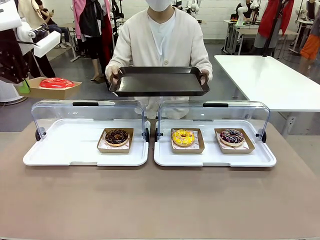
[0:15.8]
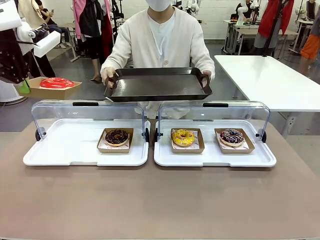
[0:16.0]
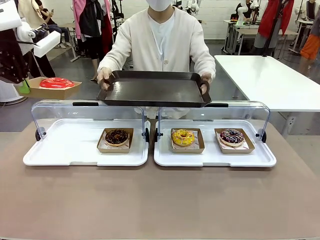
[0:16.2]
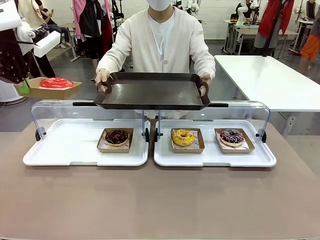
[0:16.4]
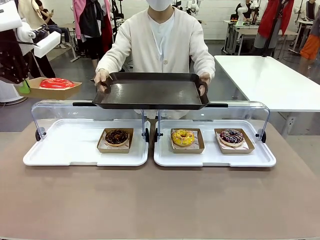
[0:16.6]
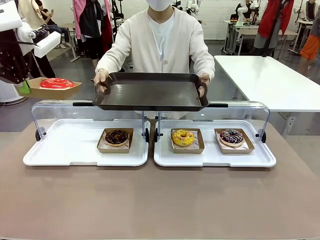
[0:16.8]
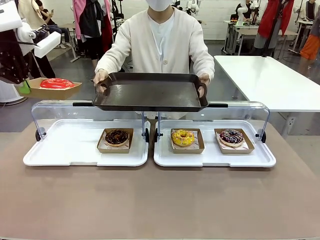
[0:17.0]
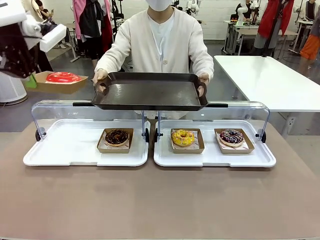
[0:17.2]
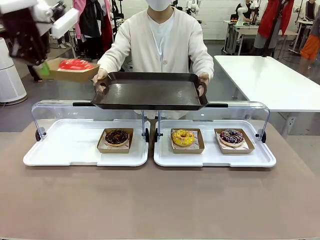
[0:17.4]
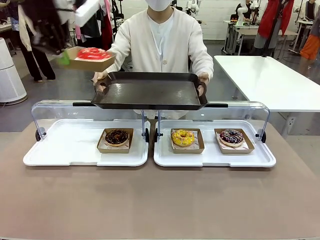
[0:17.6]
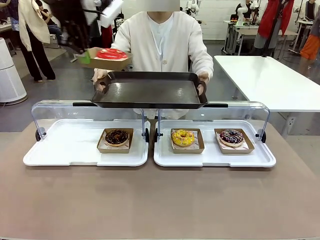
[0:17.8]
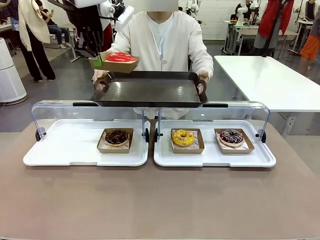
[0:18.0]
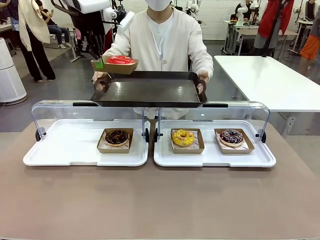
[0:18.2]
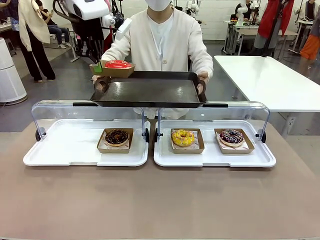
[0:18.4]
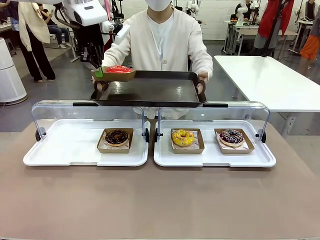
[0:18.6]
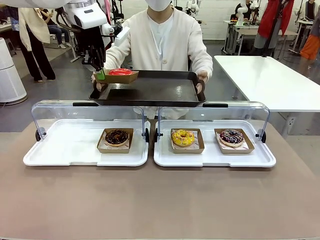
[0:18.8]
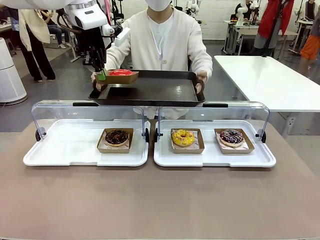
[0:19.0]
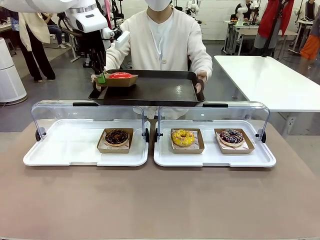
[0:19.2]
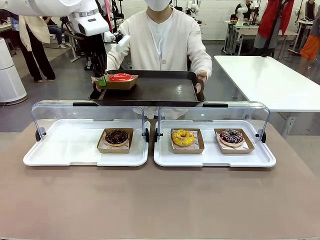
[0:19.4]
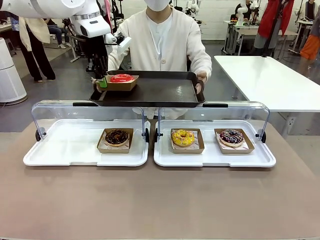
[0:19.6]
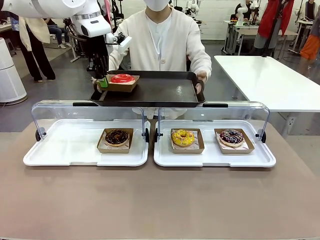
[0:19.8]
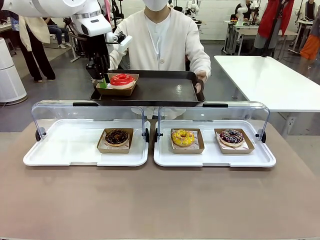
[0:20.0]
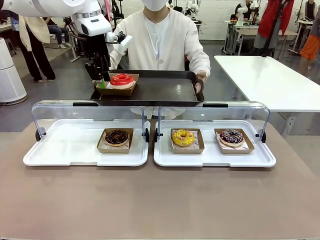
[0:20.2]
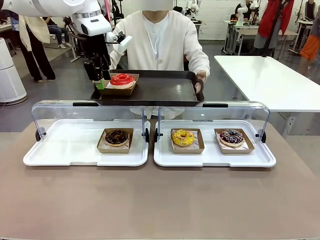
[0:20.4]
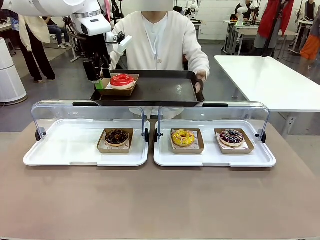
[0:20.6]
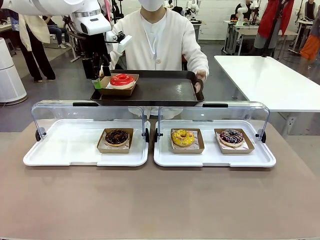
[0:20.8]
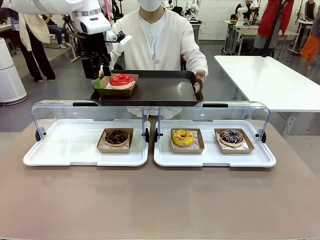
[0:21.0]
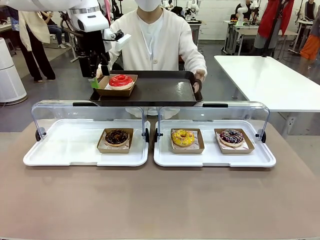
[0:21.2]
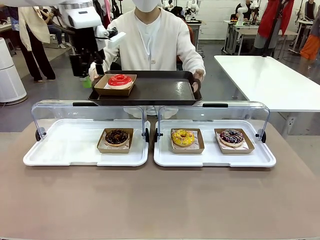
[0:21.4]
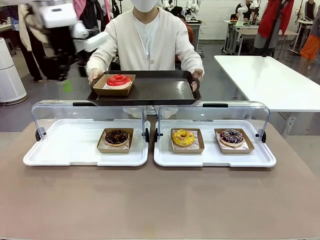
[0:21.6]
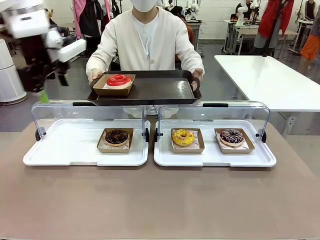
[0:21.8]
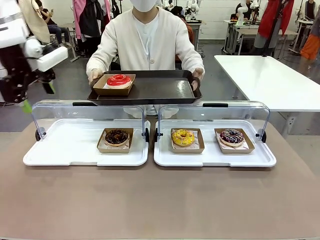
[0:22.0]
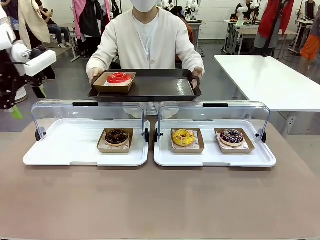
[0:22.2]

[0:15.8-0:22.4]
Task: Provide the desired donut to the person.
Robot: Place the picked Paper togo box onto the Handle tray extended by the person.

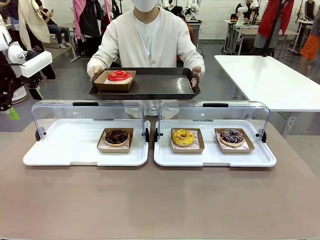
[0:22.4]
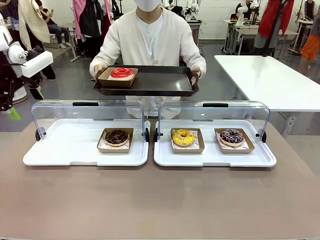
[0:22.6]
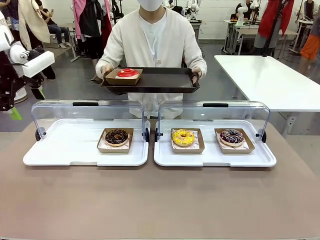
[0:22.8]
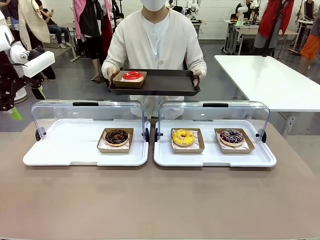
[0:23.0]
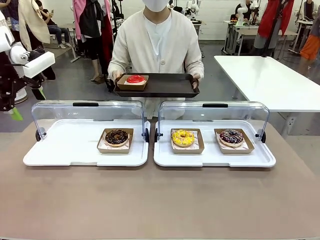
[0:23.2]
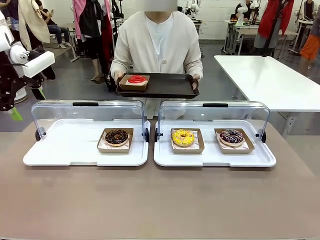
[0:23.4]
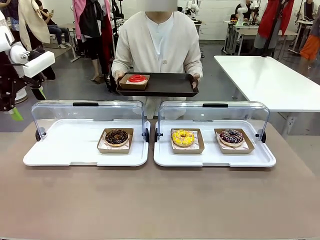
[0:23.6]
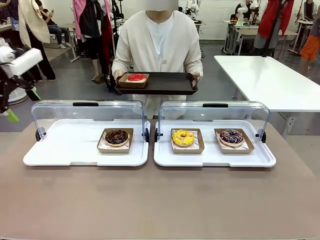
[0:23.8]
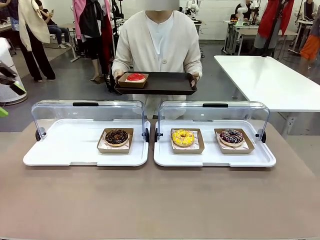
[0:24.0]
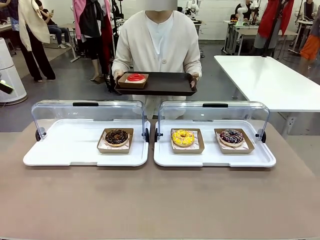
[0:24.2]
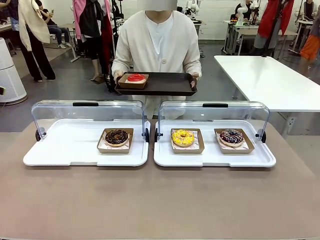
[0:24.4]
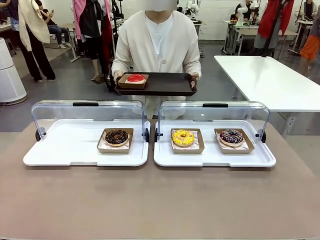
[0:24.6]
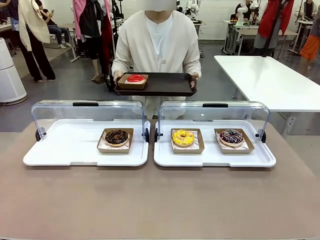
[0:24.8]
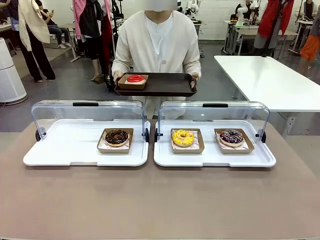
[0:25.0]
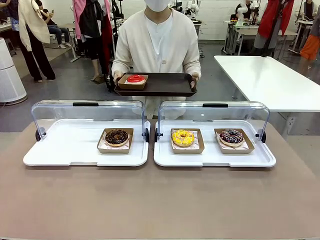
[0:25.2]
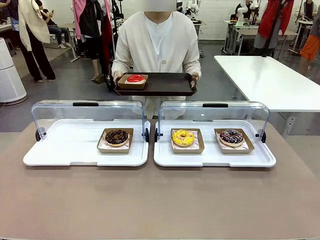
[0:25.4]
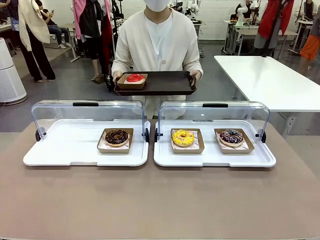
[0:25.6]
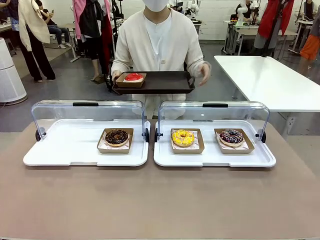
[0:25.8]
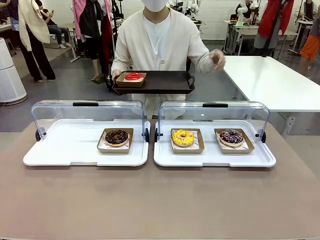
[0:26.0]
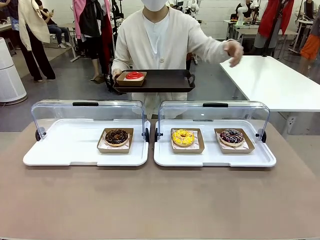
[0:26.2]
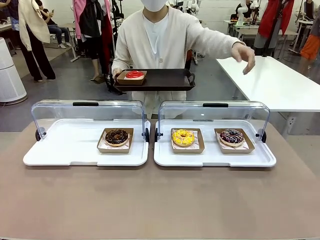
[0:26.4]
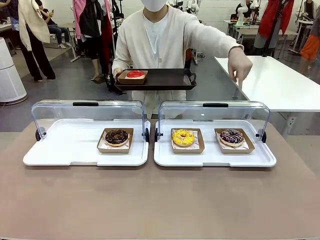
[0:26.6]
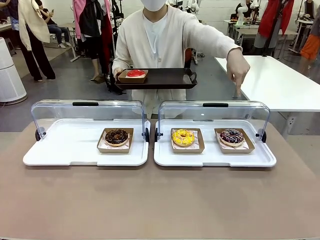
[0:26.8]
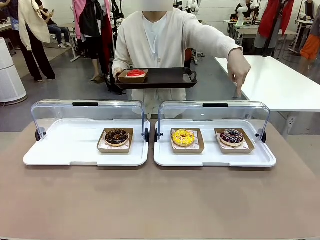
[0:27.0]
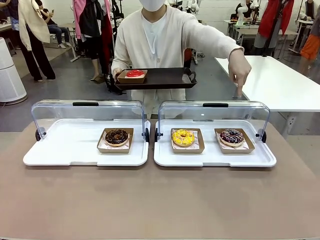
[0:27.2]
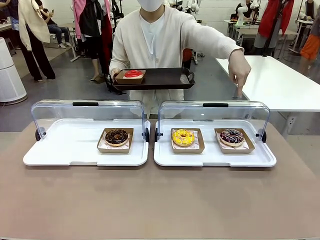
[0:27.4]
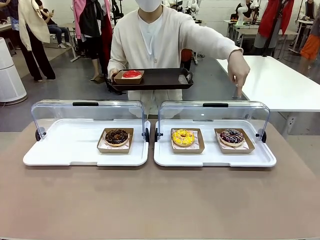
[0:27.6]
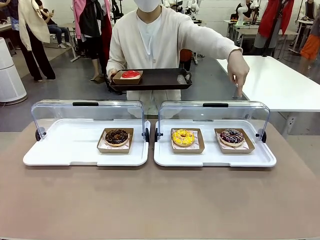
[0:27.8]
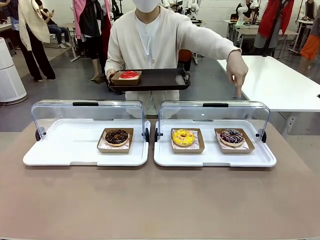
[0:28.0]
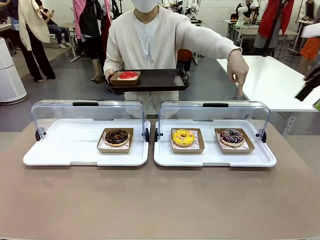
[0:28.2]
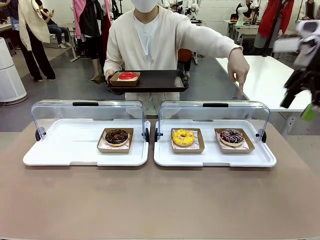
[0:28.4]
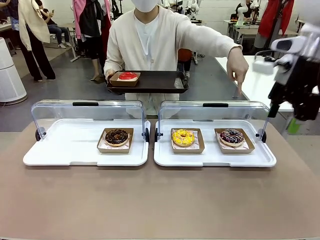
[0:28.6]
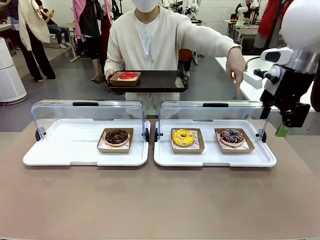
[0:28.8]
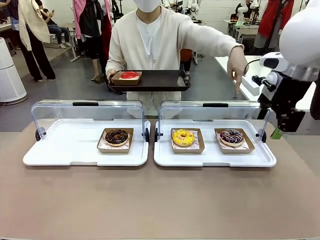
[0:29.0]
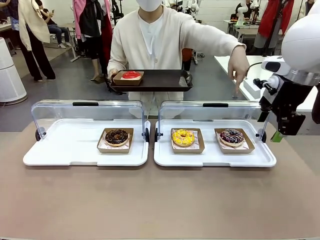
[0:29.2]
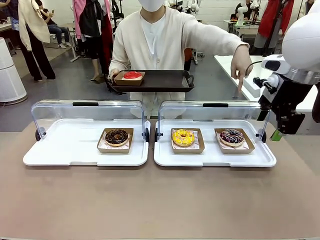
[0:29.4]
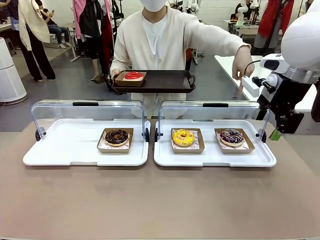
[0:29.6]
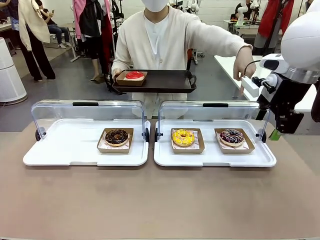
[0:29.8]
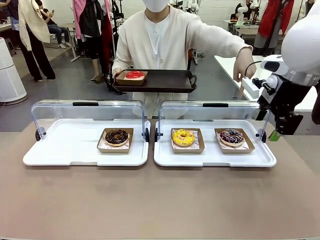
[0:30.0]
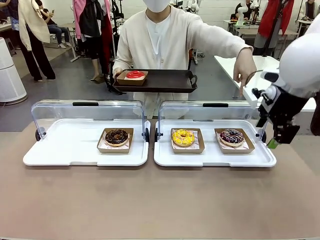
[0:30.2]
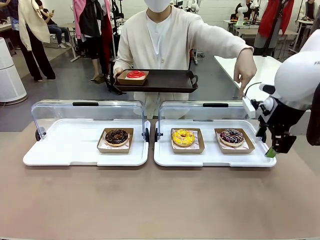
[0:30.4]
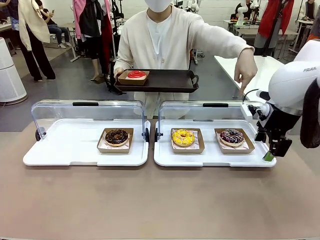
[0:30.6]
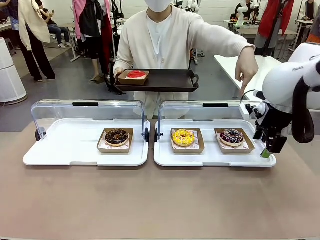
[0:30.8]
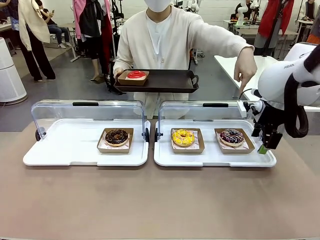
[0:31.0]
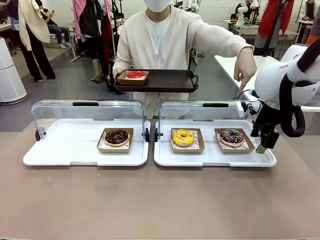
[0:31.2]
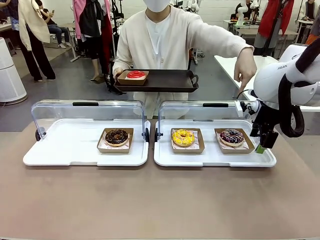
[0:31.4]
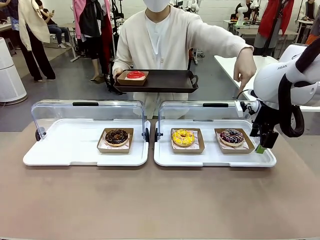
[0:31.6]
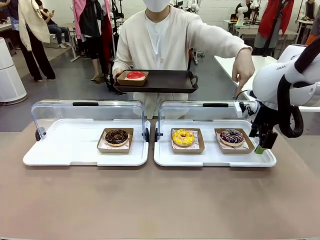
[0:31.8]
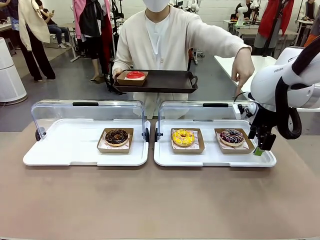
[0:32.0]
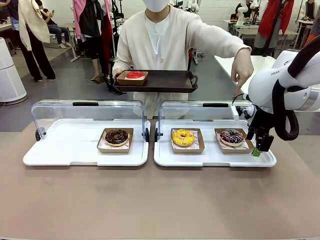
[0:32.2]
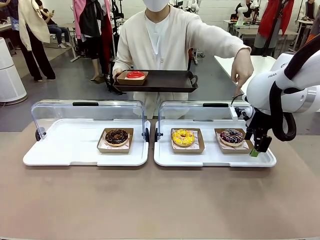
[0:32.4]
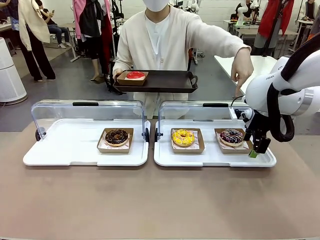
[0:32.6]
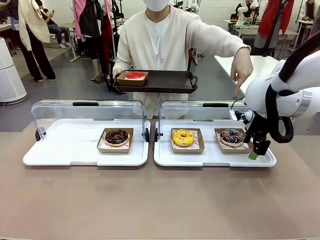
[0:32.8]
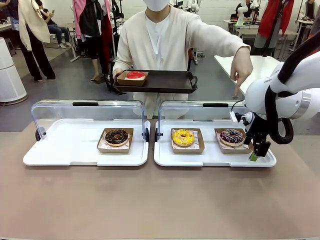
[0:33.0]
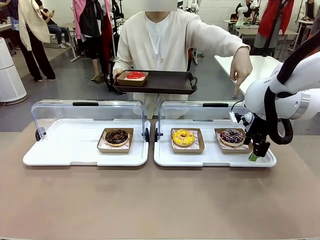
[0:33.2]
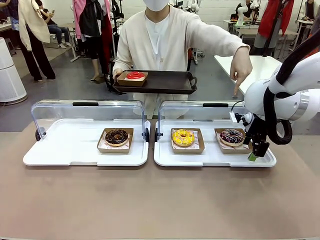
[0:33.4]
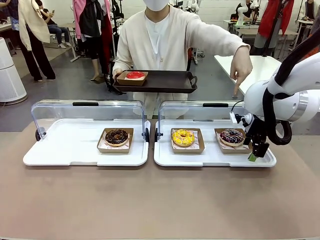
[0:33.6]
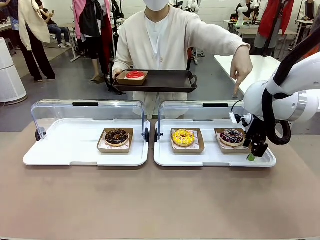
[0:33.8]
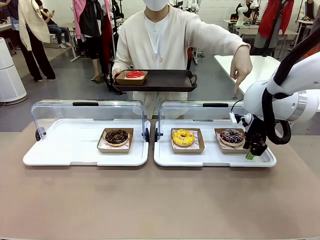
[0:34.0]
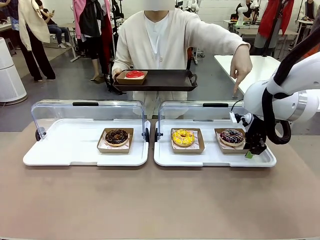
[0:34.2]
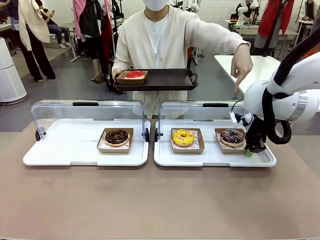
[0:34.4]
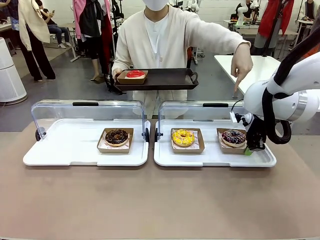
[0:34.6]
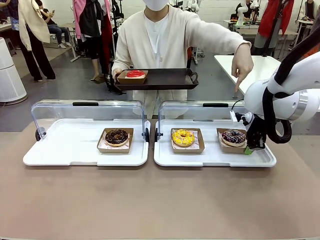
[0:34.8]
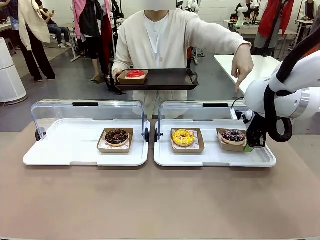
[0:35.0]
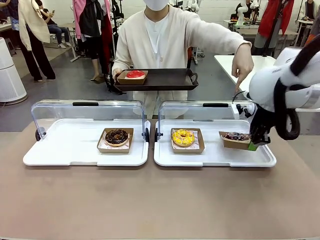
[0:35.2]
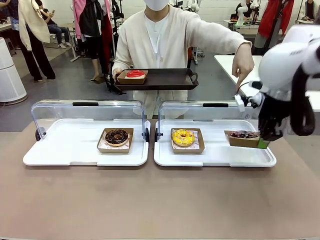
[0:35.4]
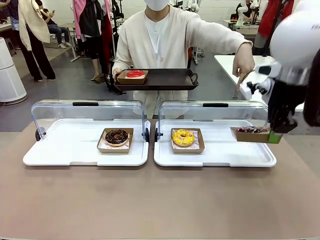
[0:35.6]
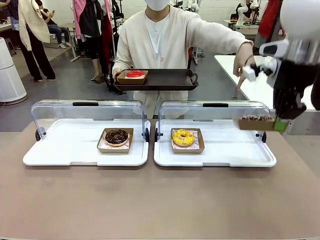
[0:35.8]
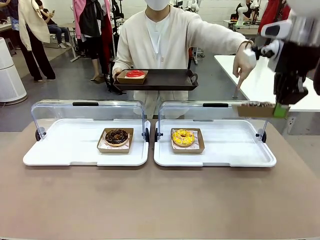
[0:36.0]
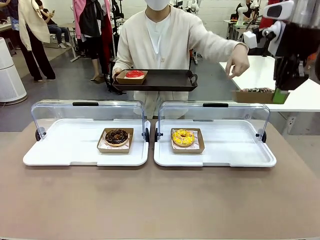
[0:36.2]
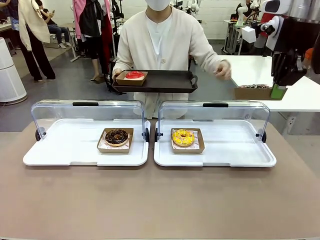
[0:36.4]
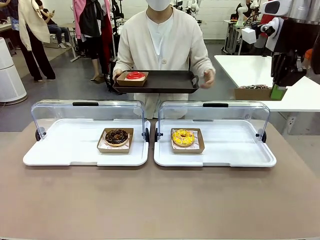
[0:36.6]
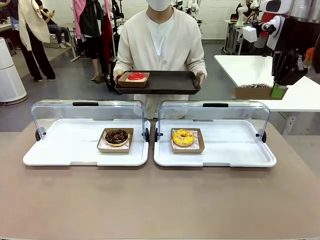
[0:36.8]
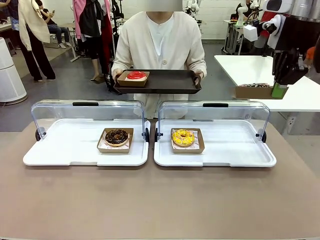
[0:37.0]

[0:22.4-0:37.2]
Robot: Pick up and lift the Paper togo box containing the Donut pointed at by the person.
Person: Point to one donut. Lift the tray onto the Roll-Top Bakery Case.
